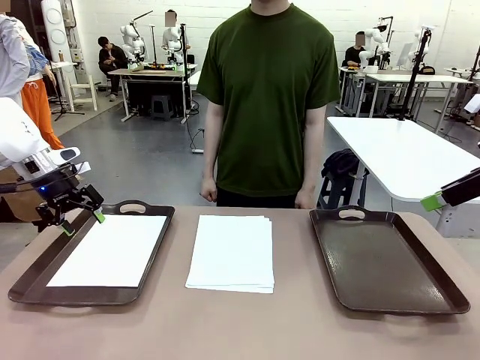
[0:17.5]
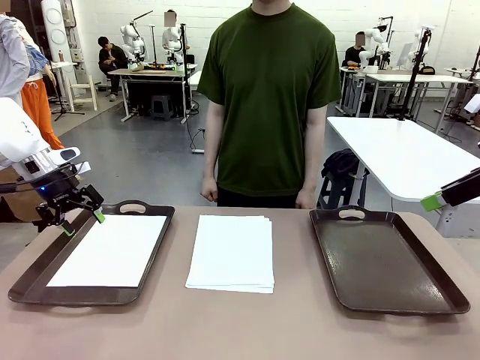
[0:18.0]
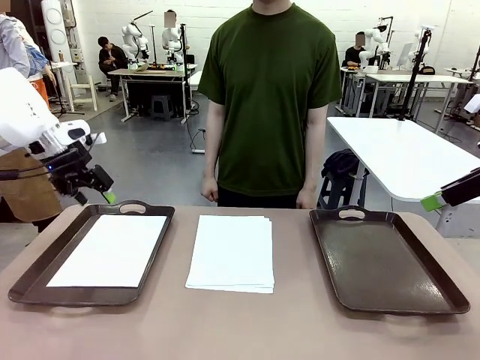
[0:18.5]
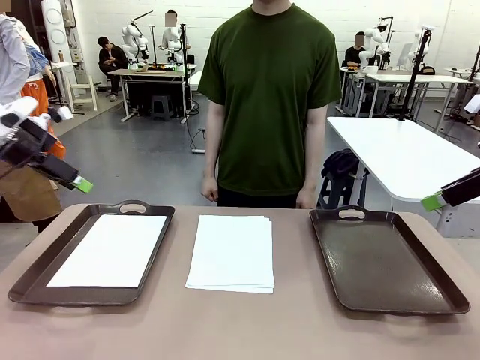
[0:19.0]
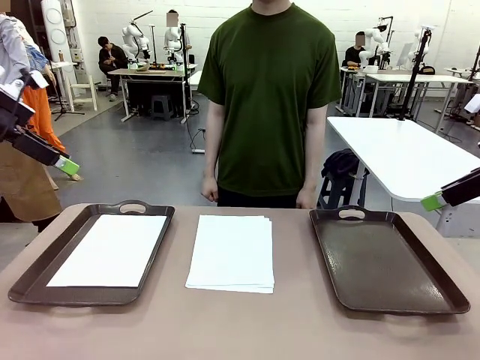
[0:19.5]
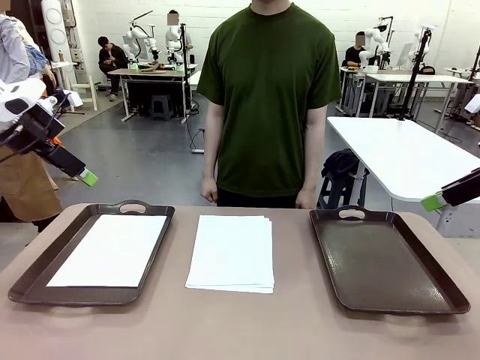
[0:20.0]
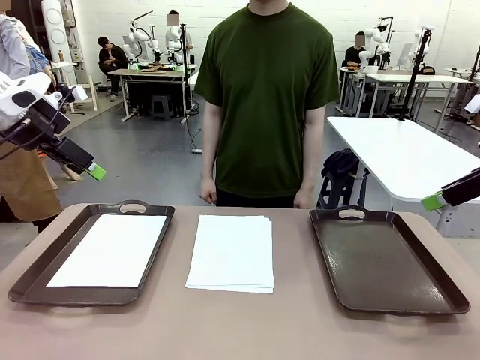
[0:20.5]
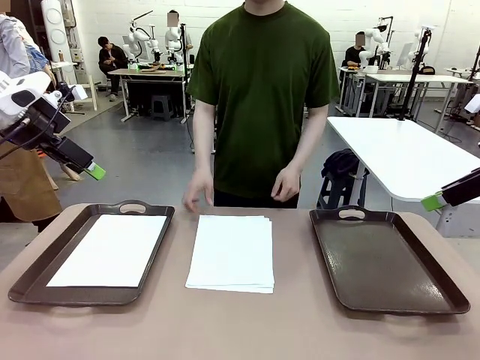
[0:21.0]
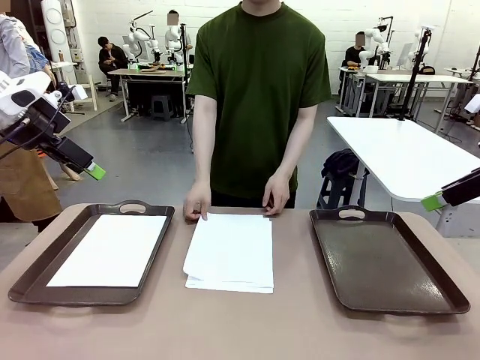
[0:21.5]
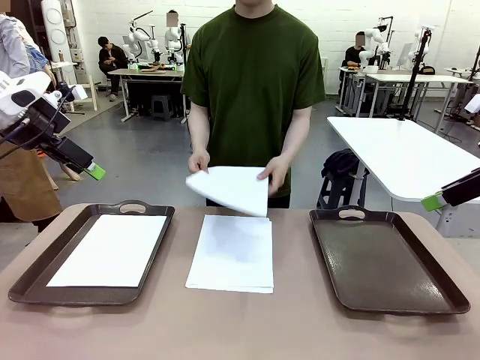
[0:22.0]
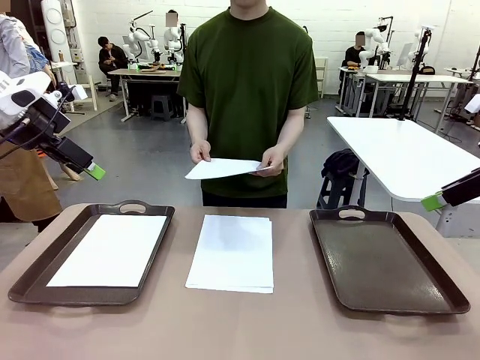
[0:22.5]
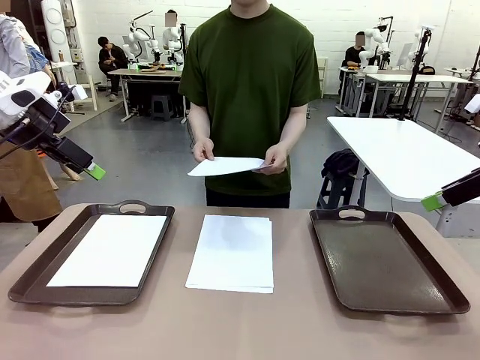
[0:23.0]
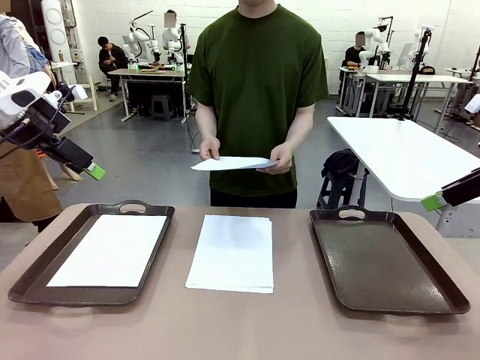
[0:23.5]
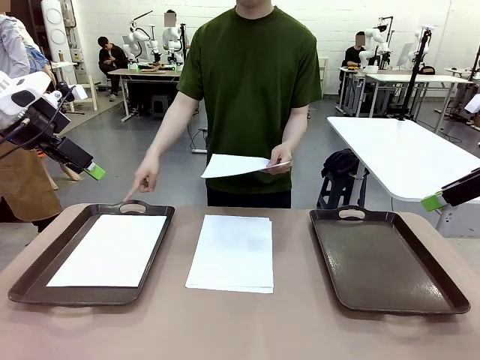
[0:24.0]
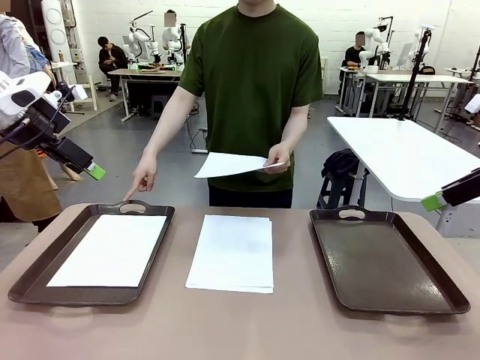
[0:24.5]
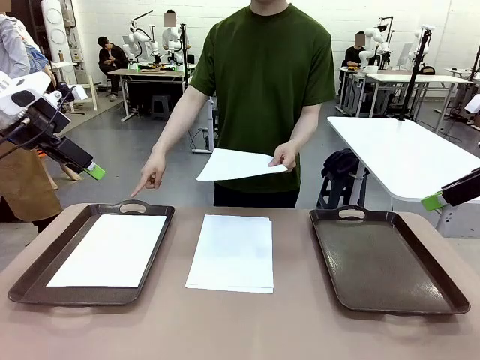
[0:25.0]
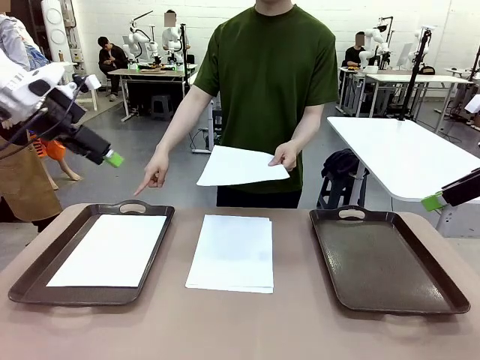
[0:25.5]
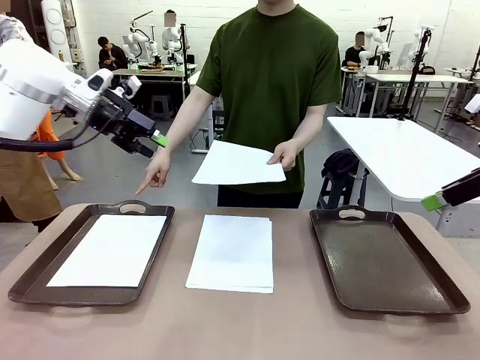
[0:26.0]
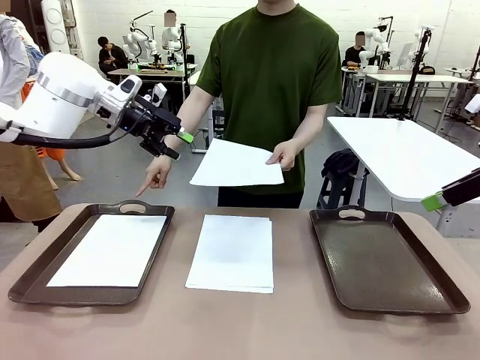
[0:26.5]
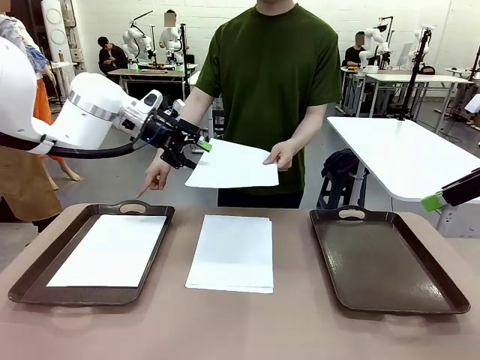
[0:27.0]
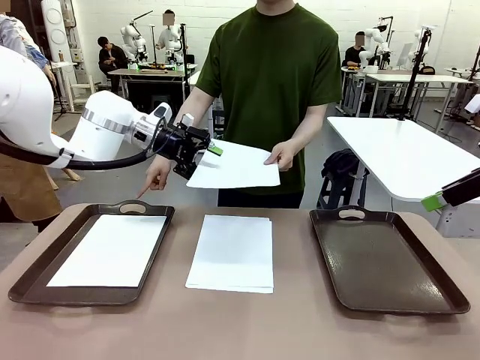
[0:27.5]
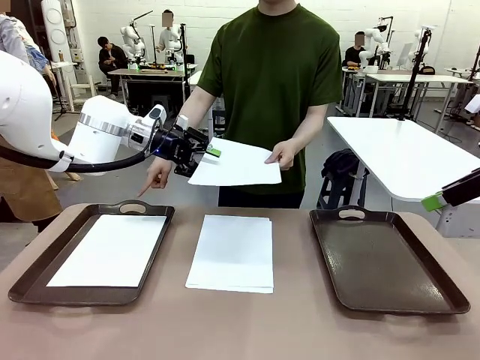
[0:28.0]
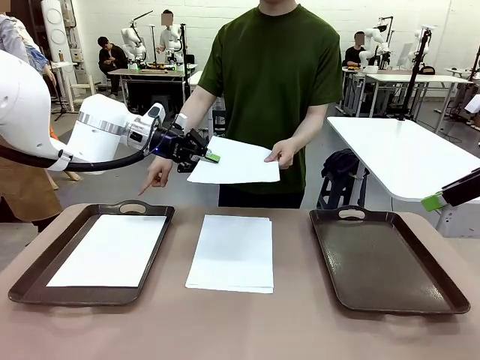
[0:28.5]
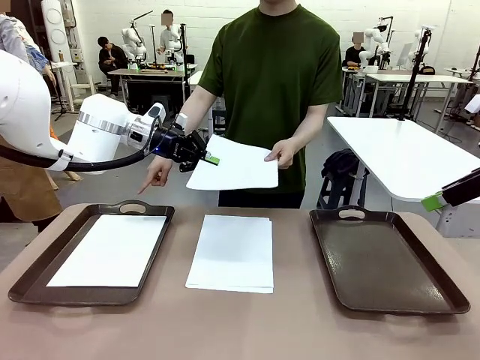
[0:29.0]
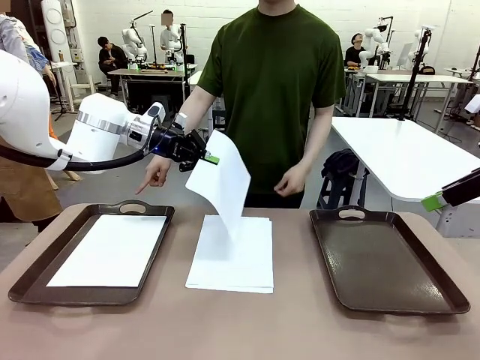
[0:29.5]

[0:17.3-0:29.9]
Task: Sort the A4 documents.
Robot: Receive the A4 Paper.
Person: Point the randomly selected tray with the other hand.

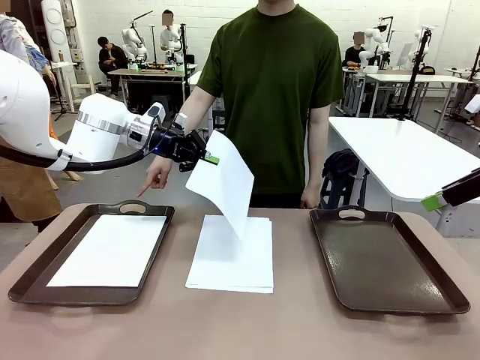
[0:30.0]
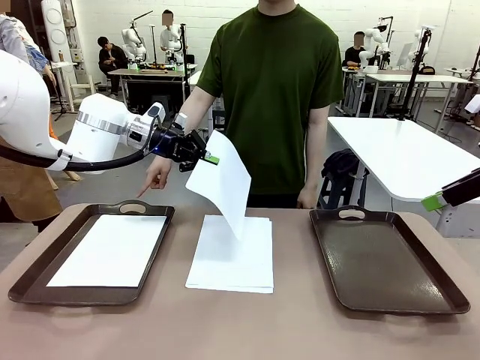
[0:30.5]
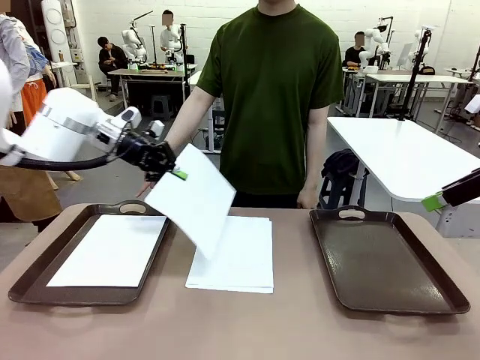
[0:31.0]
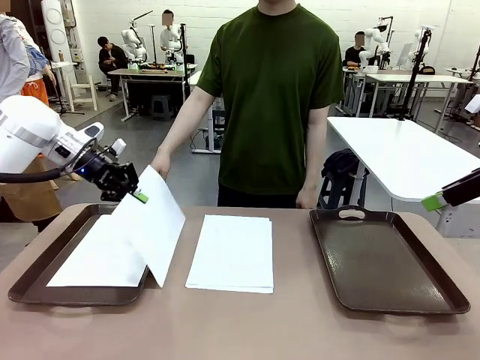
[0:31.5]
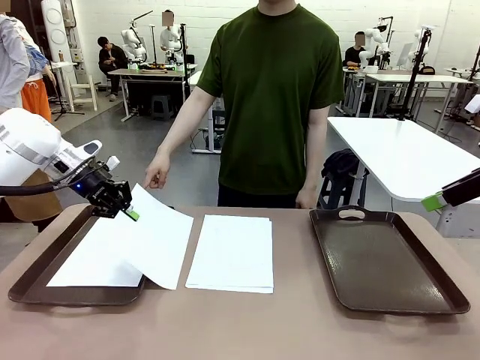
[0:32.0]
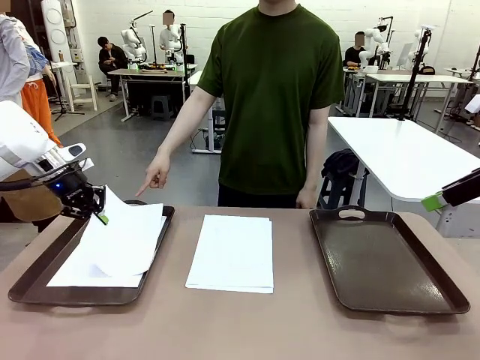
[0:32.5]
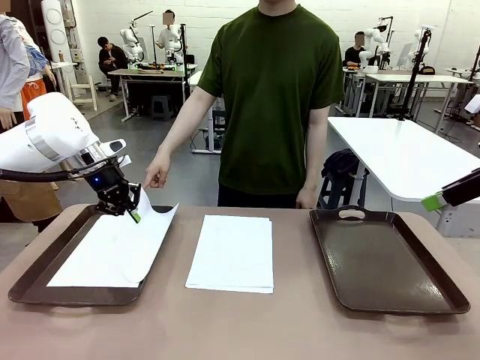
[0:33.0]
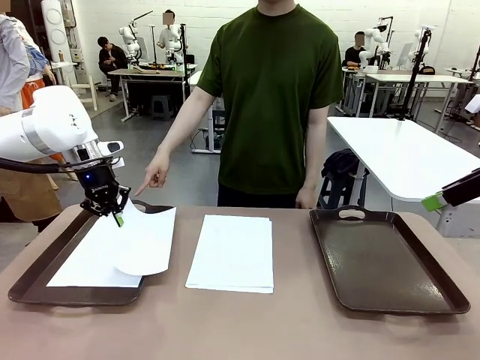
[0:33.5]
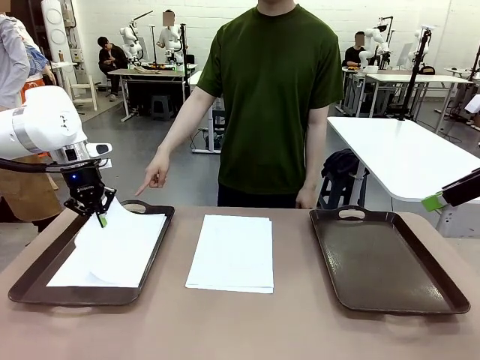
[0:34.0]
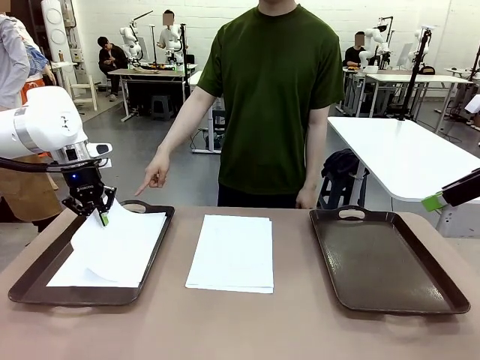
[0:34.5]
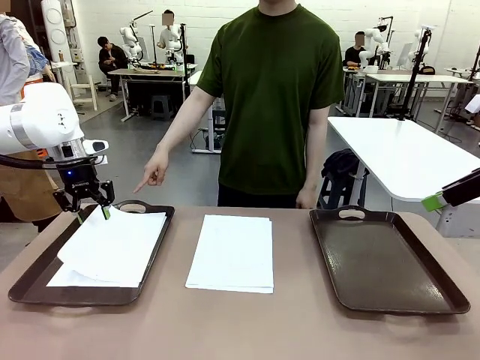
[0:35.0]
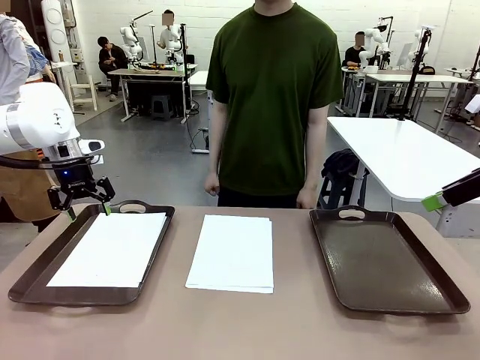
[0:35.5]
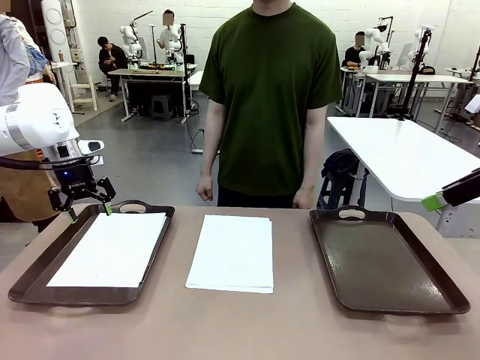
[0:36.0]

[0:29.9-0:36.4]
Robot: Place the A4 Paper in the designated Handle tray.

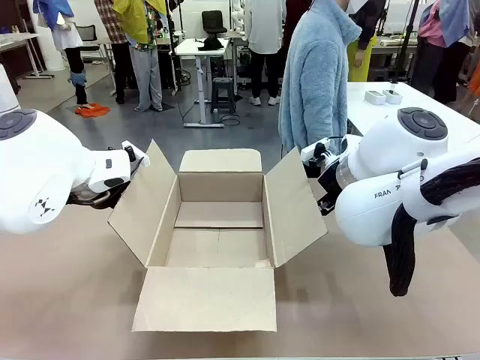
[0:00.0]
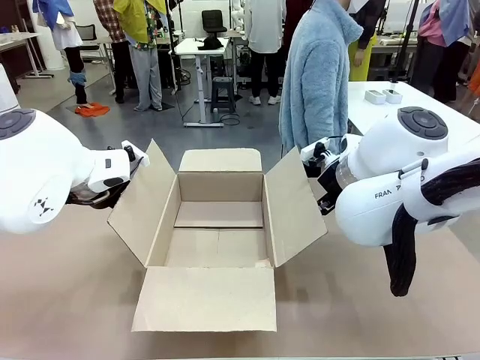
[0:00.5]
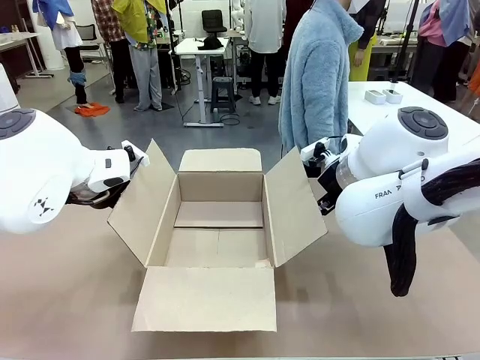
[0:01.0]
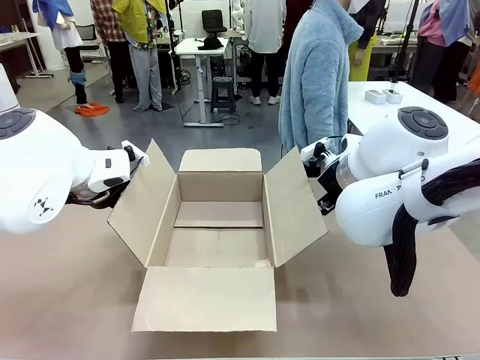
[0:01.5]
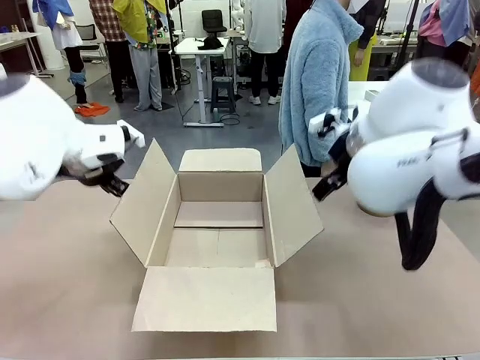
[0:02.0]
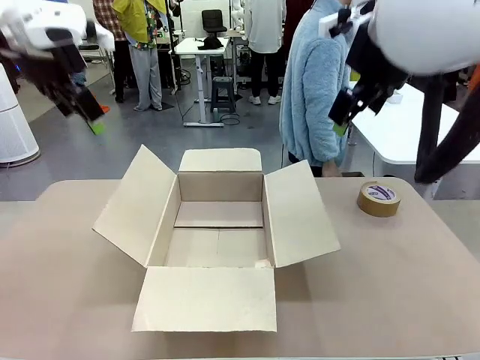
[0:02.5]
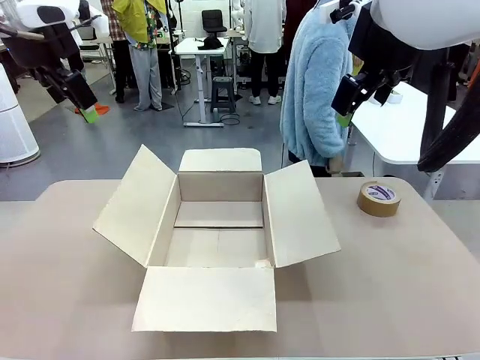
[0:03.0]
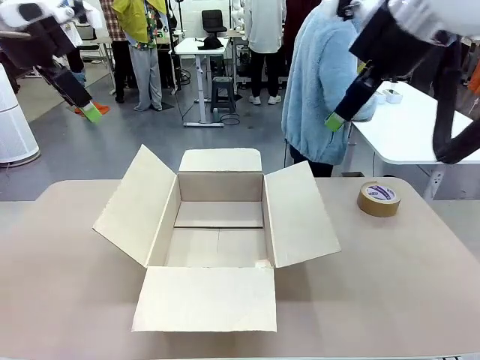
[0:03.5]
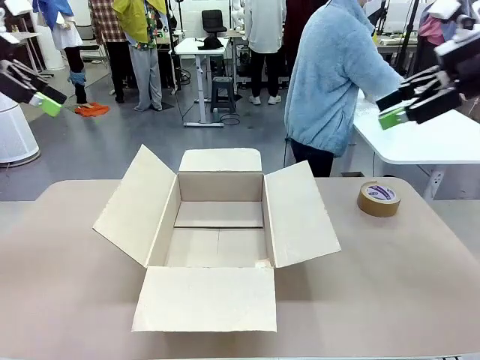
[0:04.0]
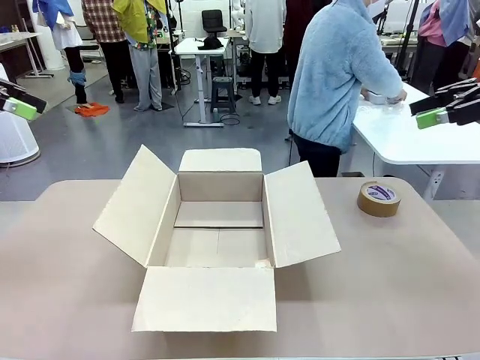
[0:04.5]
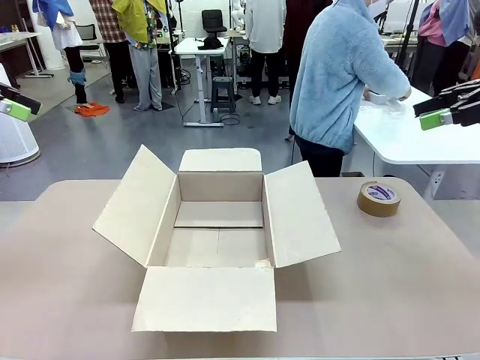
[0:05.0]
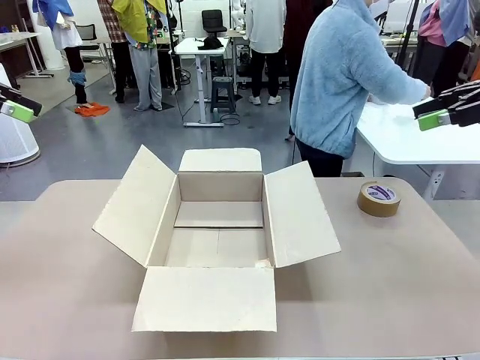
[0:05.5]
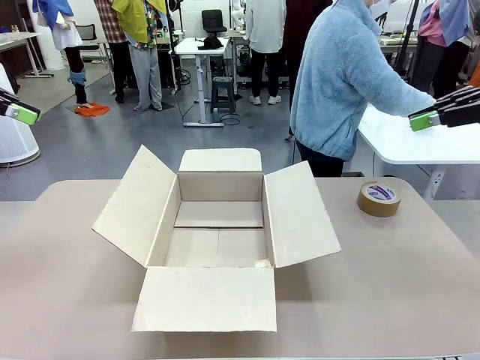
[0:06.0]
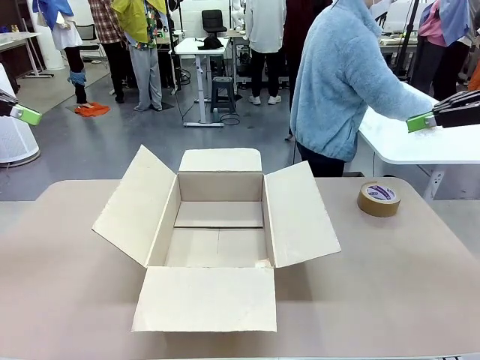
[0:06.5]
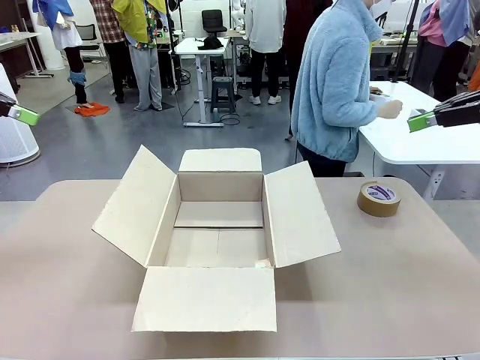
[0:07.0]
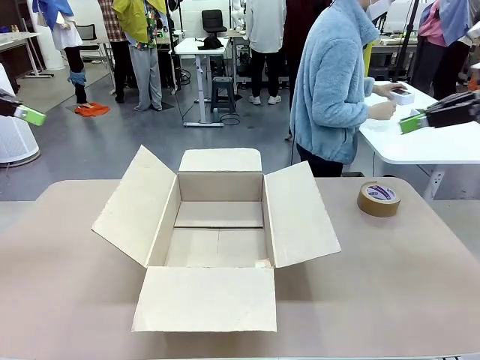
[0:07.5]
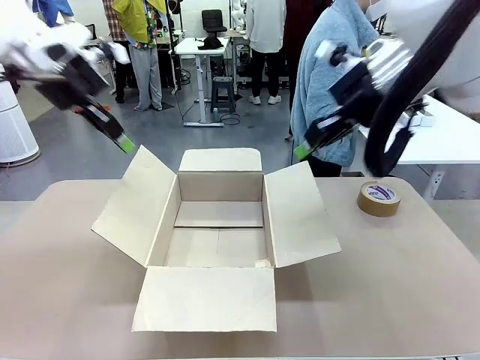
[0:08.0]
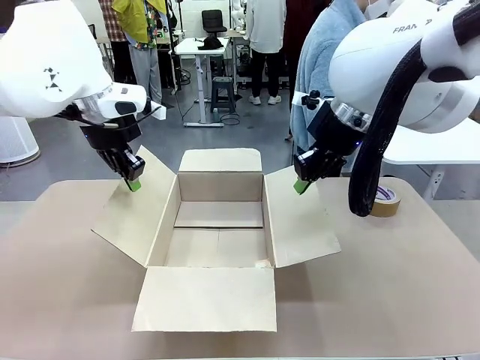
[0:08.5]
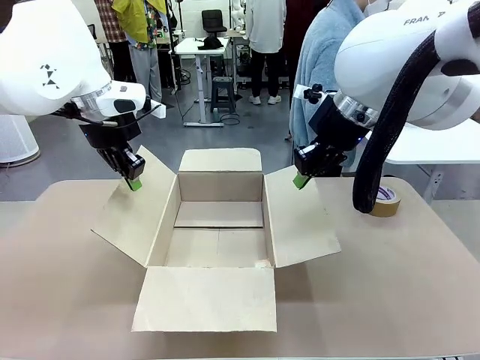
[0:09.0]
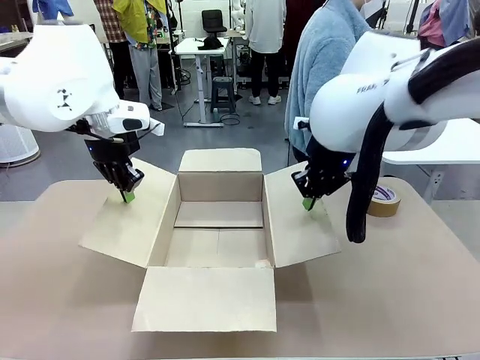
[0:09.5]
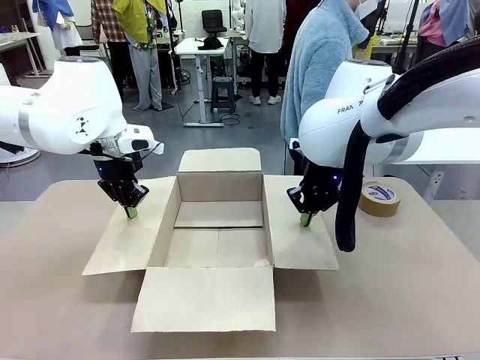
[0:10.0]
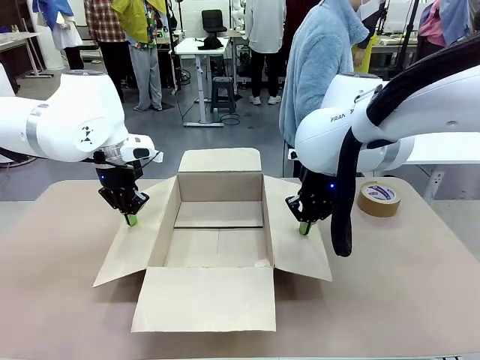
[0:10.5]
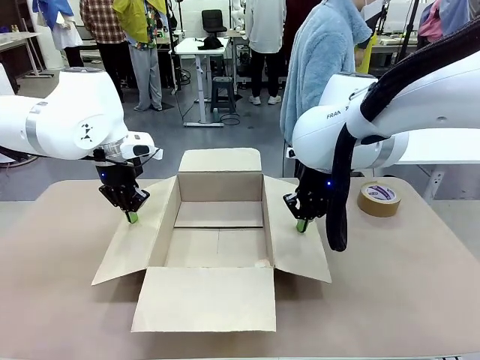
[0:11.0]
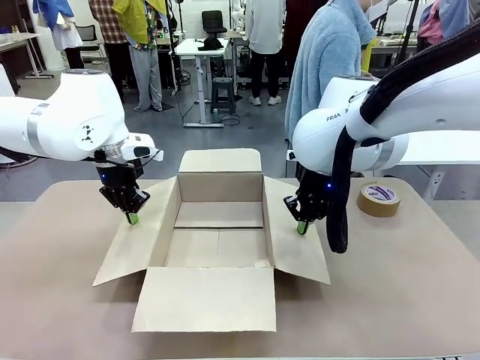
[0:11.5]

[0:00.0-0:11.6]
Task: Wrap the clocks to prevent damage.
Robot: Open the side flaps of the Package Box.
